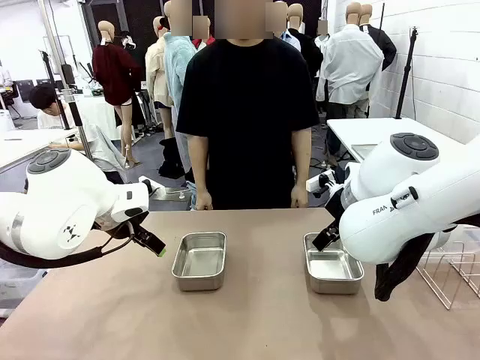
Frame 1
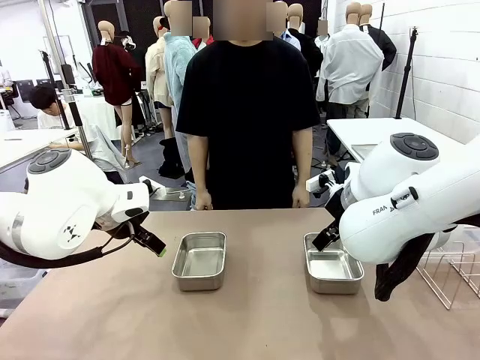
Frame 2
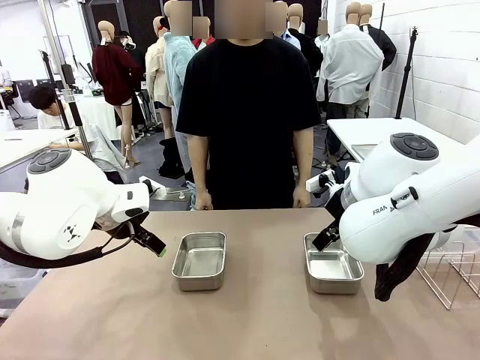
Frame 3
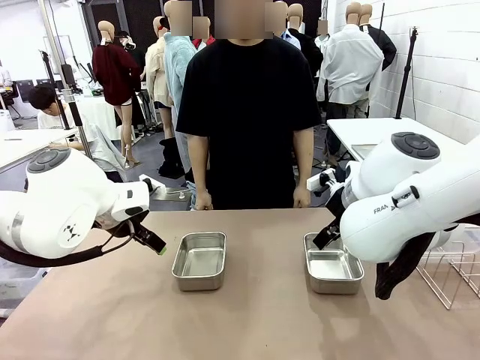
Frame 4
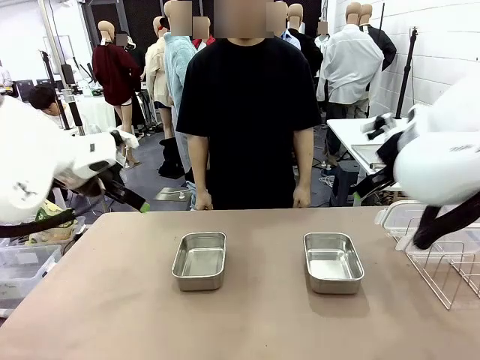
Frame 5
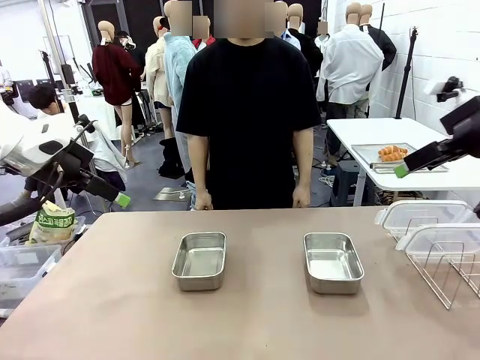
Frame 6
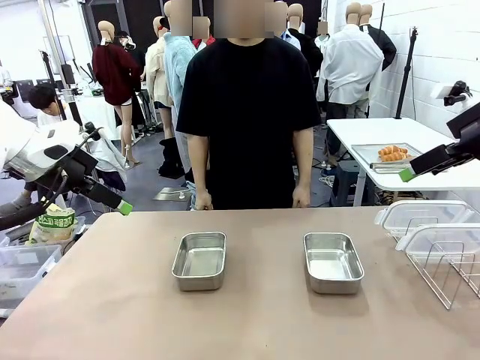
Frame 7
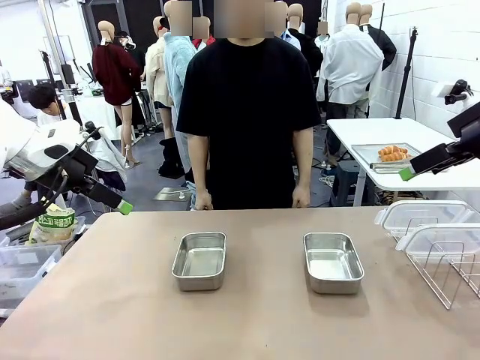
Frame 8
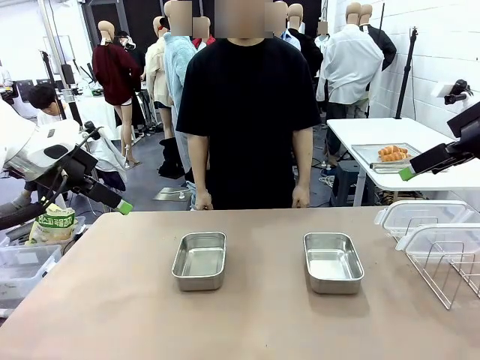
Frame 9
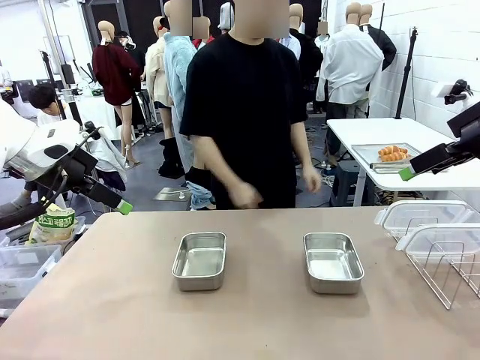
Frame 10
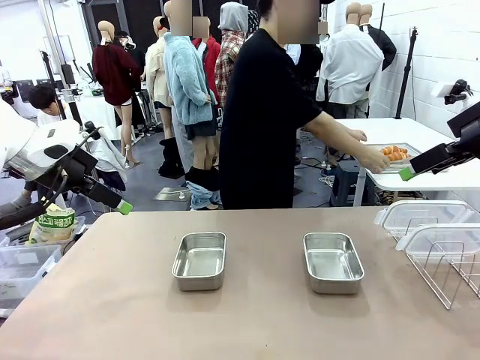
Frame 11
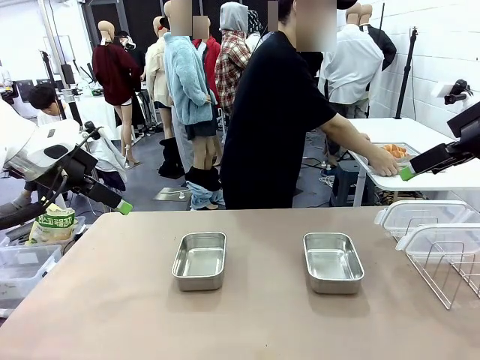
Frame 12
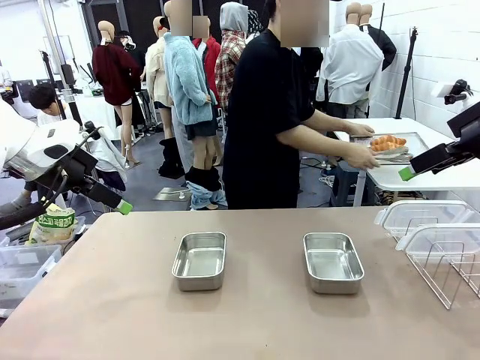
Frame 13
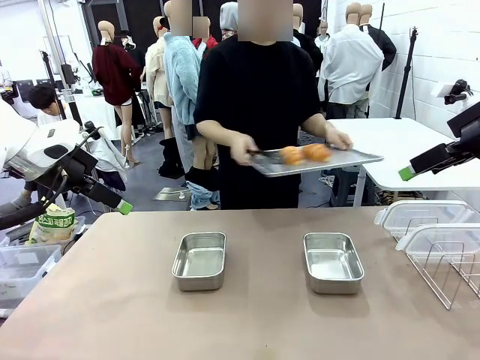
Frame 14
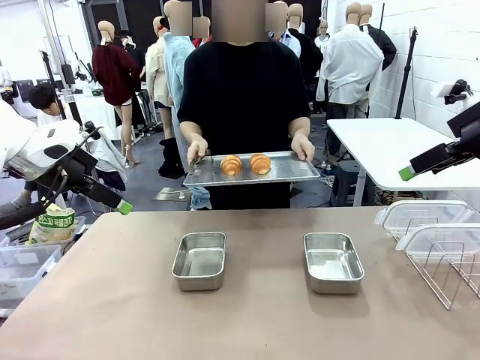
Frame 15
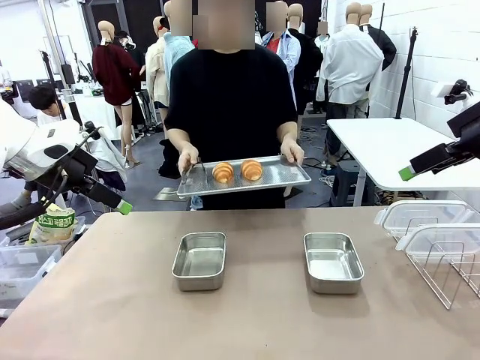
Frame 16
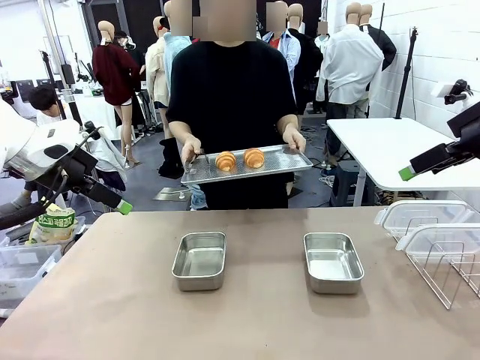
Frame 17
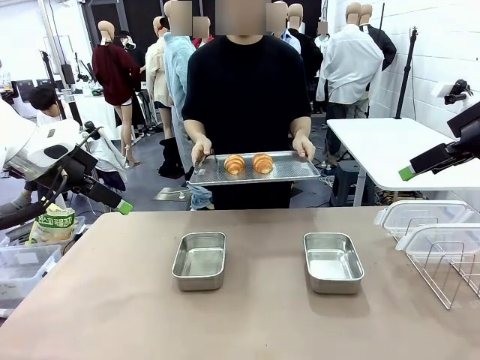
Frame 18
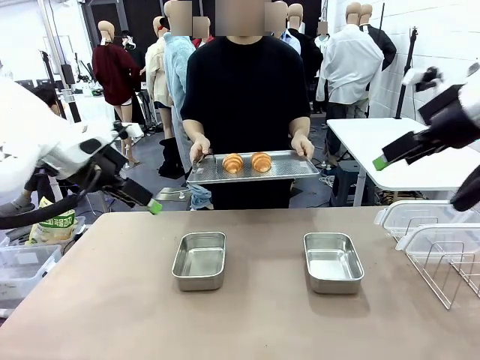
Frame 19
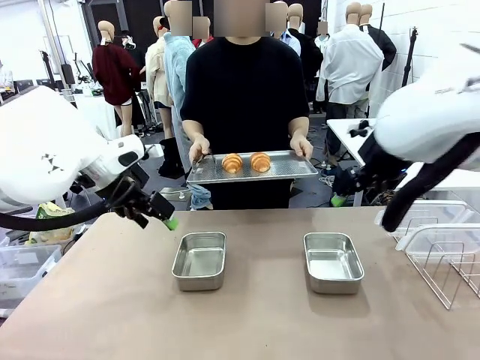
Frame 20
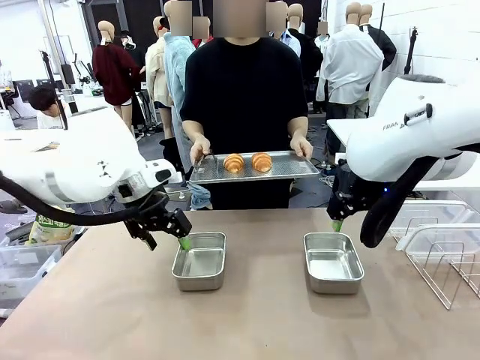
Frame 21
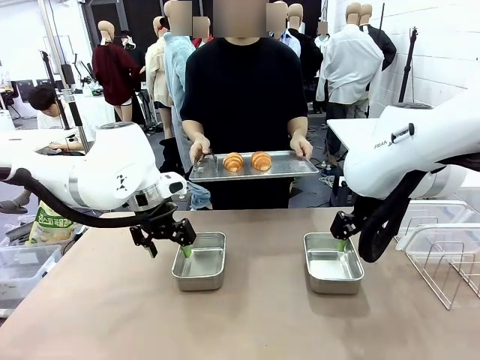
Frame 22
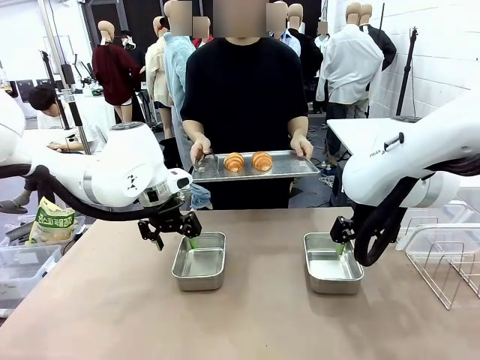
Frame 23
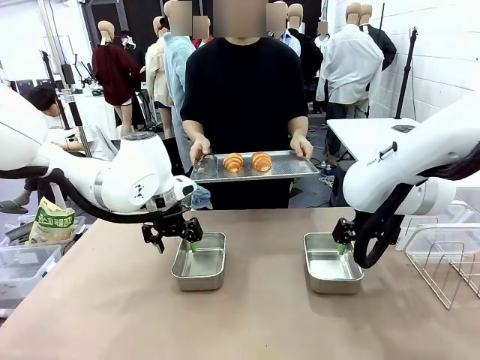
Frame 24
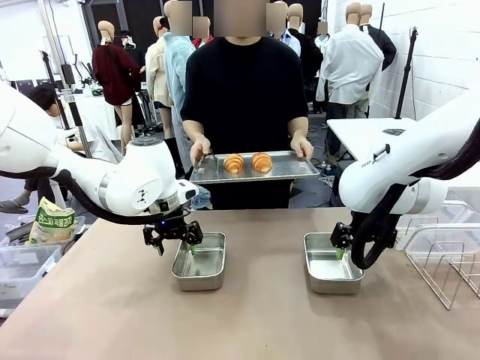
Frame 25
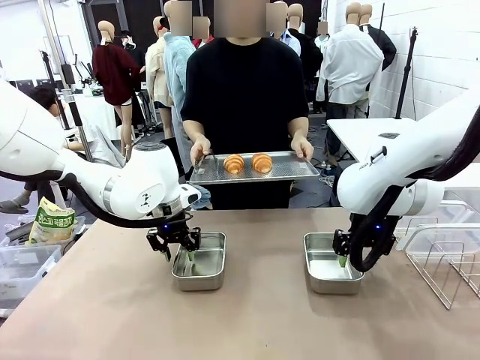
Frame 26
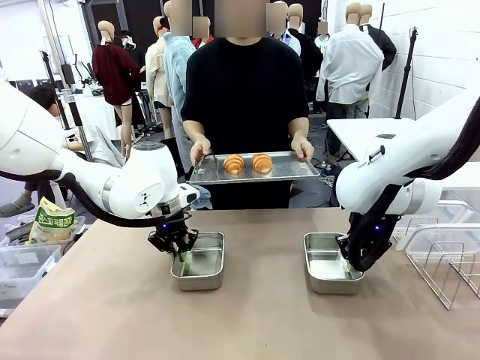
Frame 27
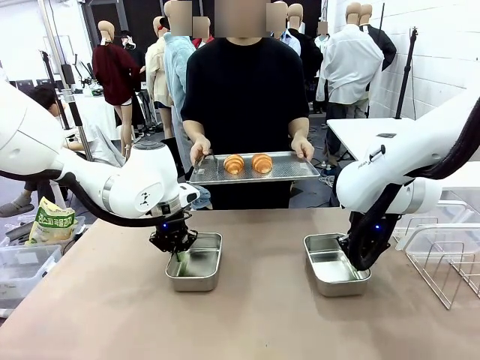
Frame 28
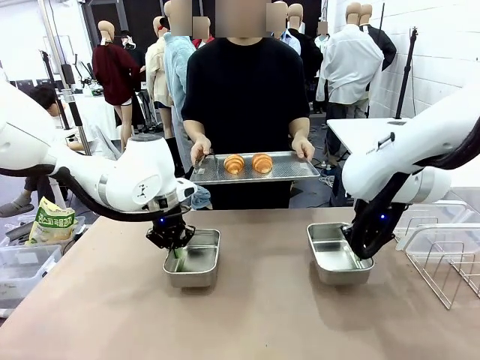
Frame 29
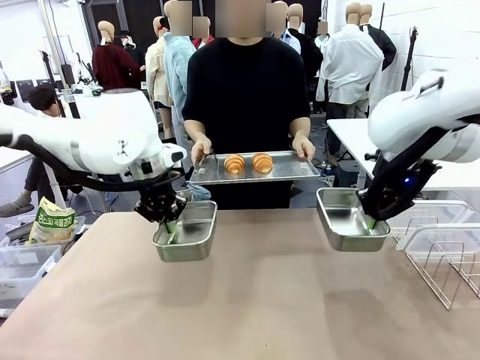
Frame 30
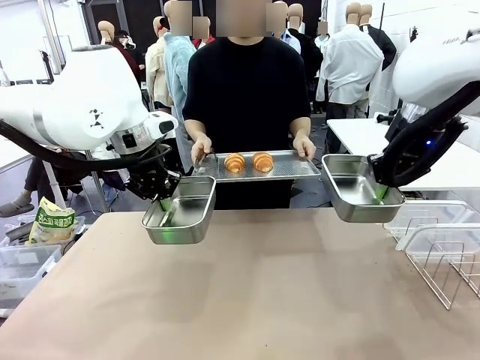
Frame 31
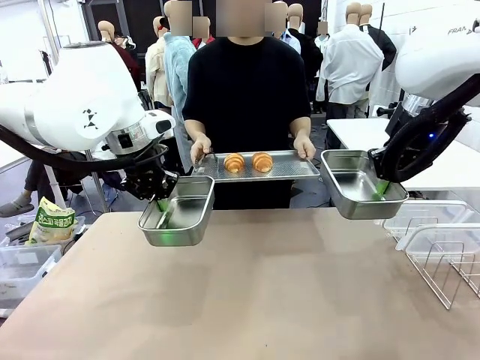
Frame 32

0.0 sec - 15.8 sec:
Task: Place the bread in airtight containers.
Robot: Lift both Airtight Container.
Person: Bring the Baking Sheet in front of Robot's Table.

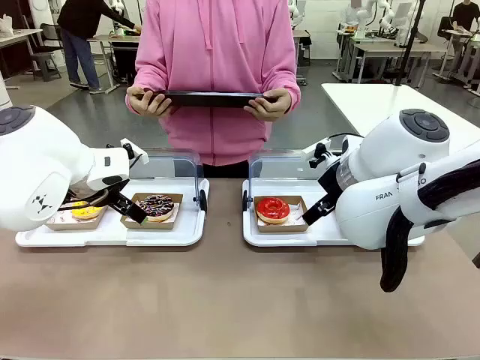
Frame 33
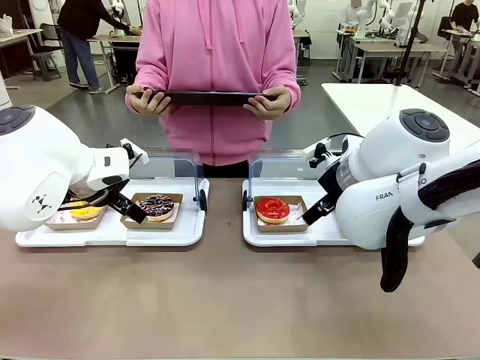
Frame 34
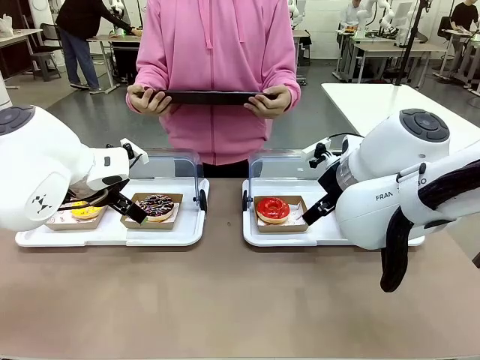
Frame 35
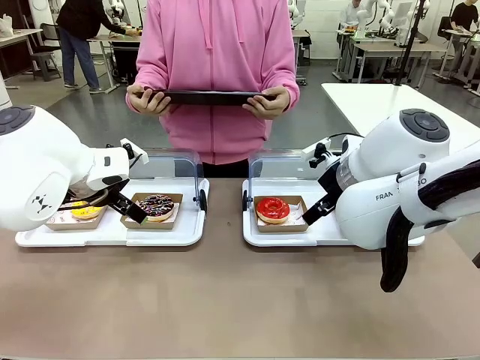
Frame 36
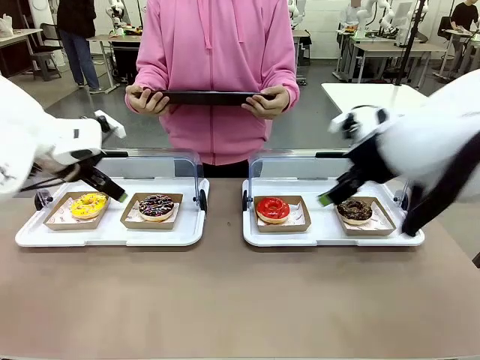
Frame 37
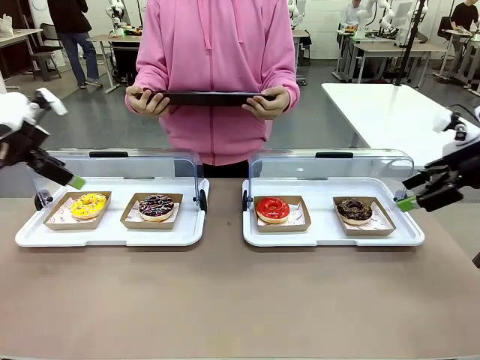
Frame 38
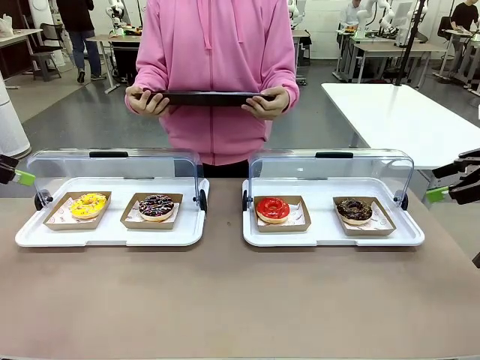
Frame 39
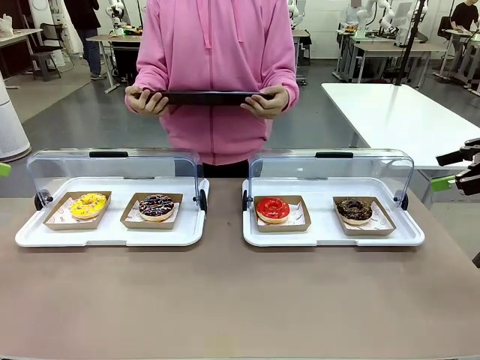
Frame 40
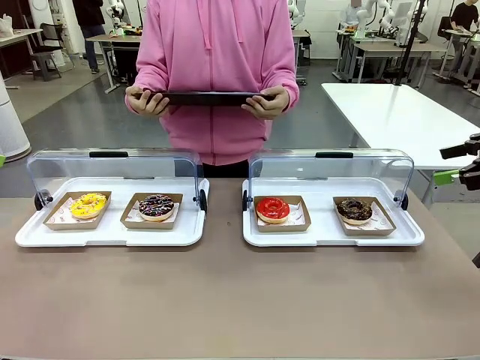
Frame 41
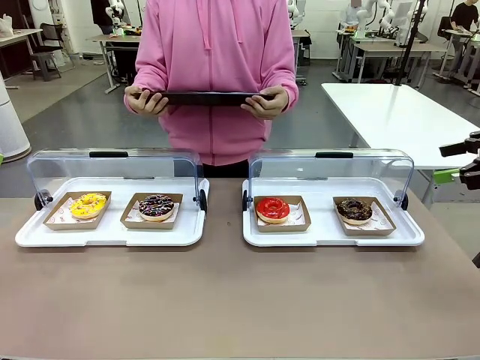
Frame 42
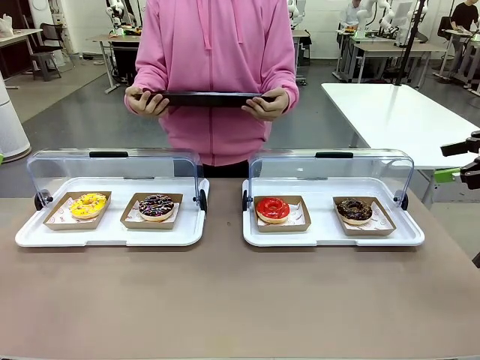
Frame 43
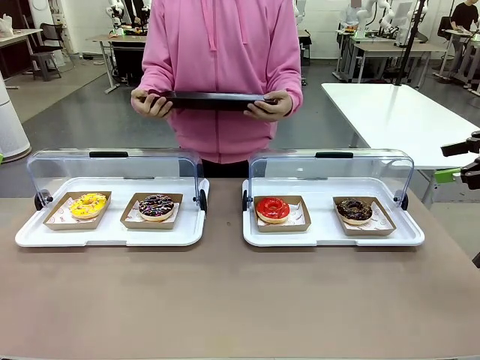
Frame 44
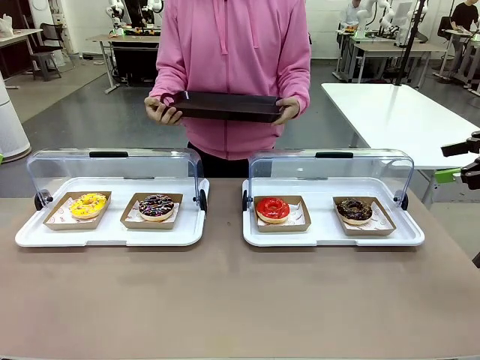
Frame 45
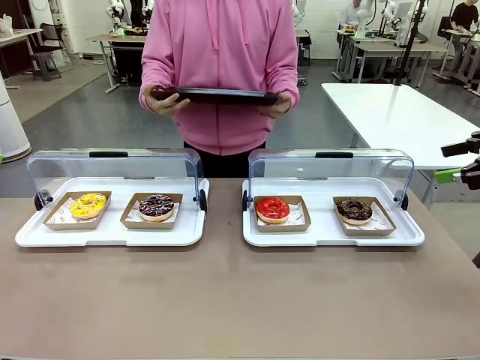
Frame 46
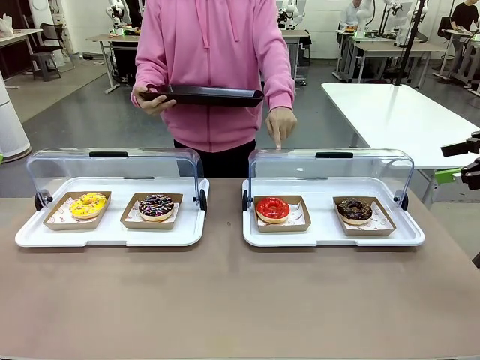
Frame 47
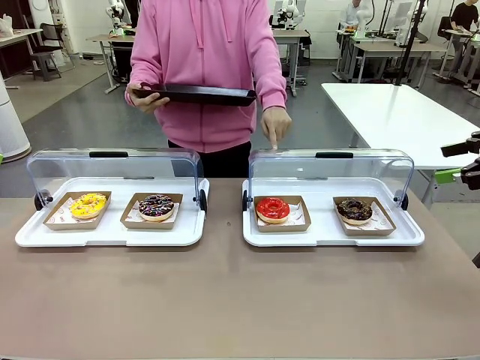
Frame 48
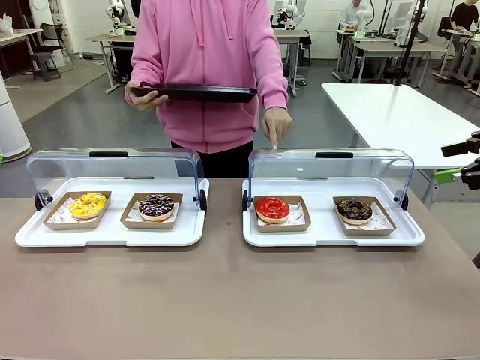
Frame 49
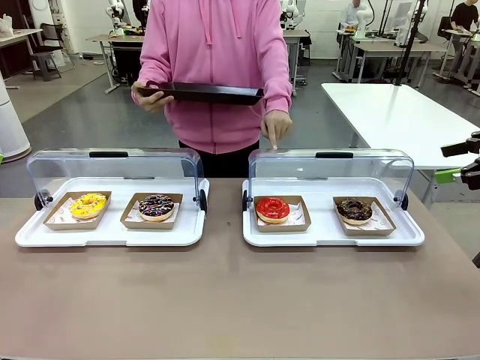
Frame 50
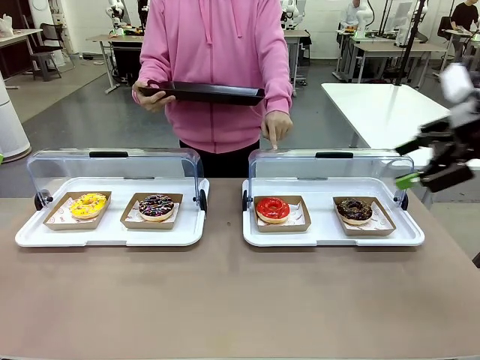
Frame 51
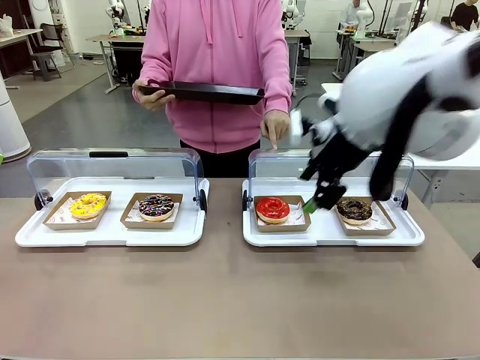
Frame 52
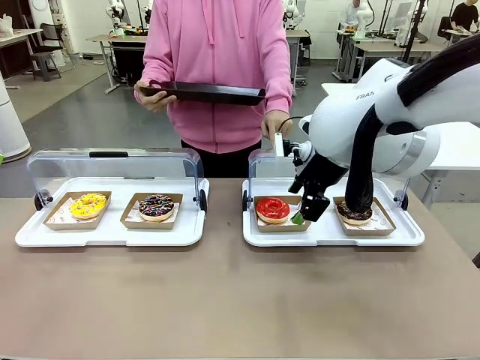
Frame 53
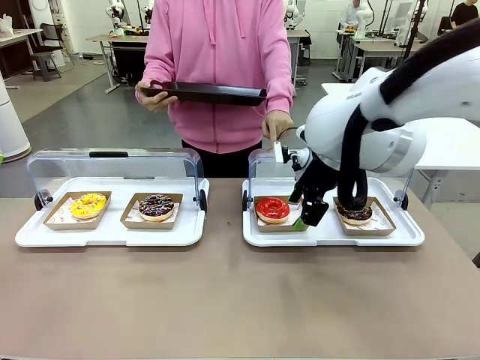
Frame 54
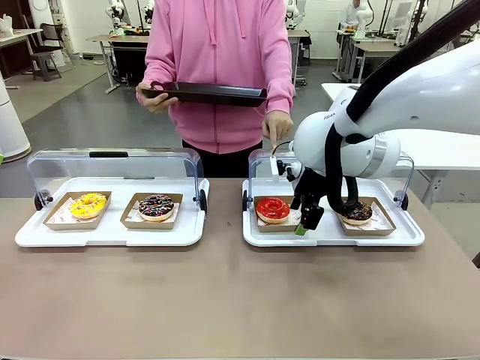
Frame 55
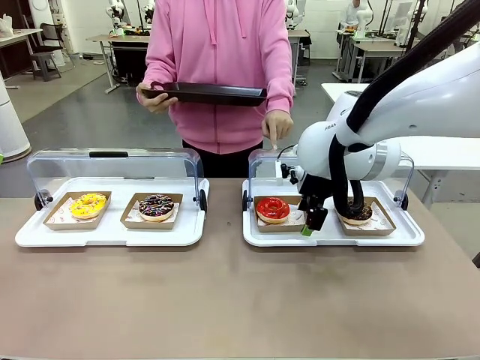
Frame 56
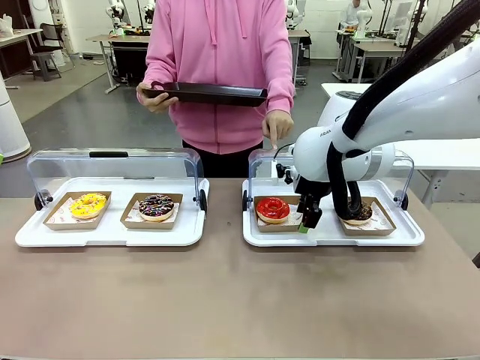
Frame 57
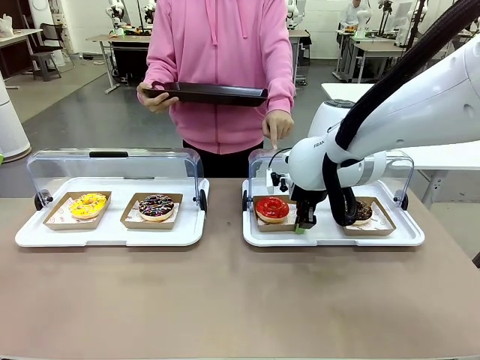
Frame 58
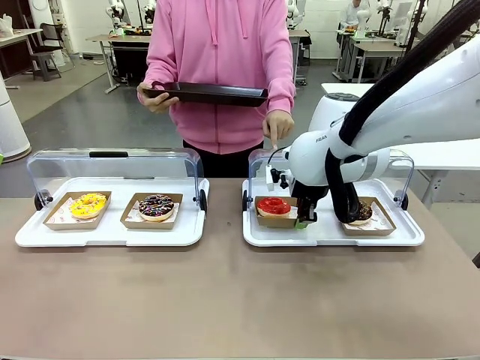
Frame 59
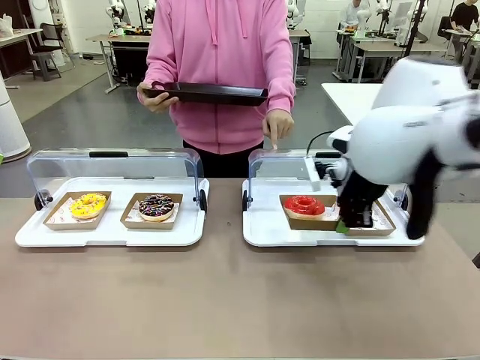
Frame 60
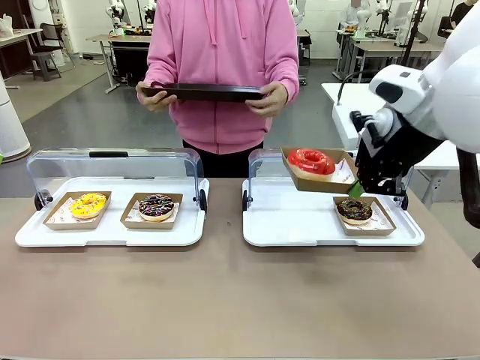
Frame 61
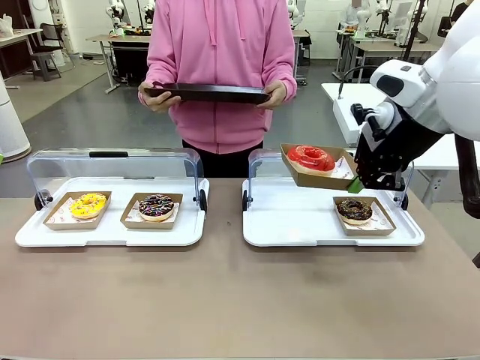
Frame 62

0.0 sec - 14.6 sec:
Task: Provide the desired donut to the person.
Robot: Pick up and lift the Paper togo box containing the Donut pointed at by the person.
Person: Point to one donut. Lift the tray onto the Roll-Top Bakery Case.
